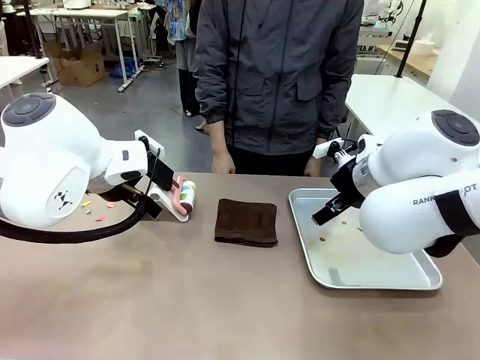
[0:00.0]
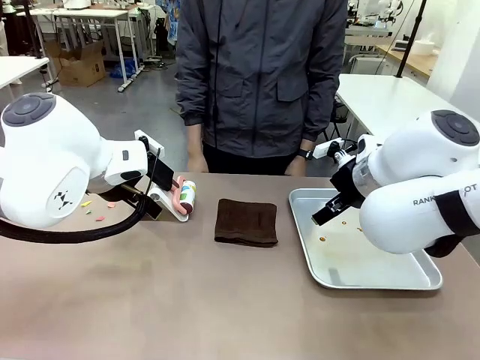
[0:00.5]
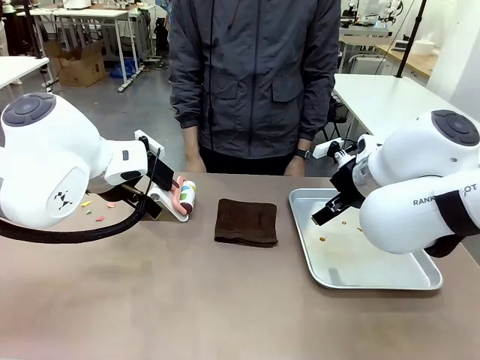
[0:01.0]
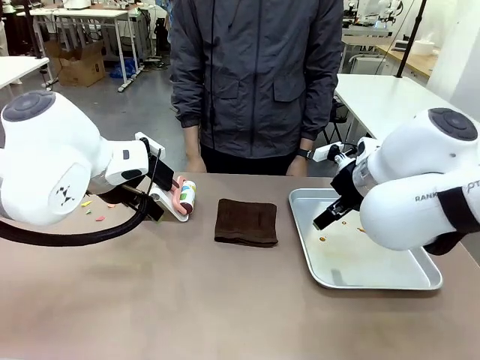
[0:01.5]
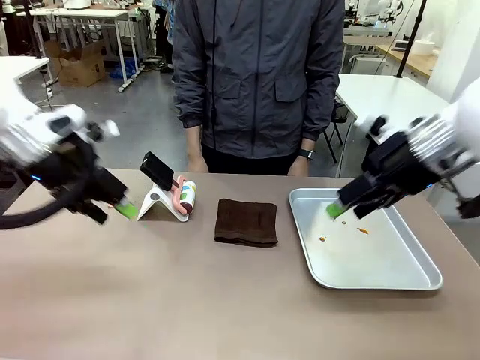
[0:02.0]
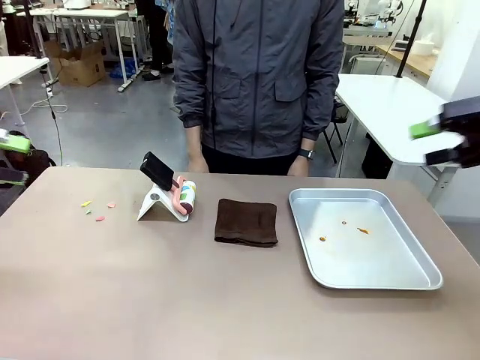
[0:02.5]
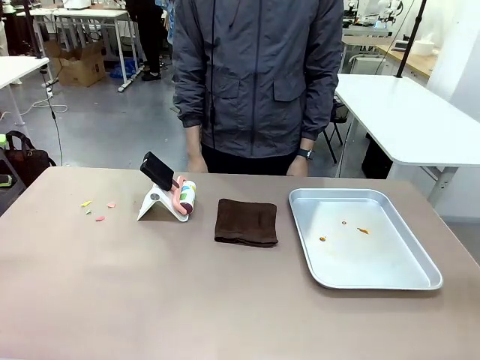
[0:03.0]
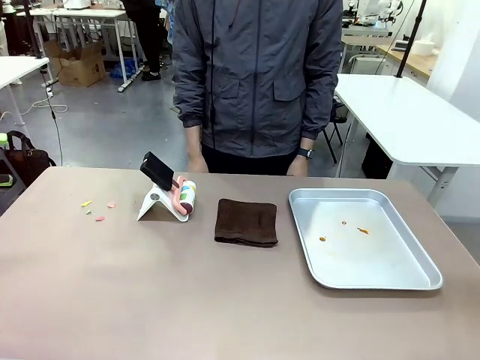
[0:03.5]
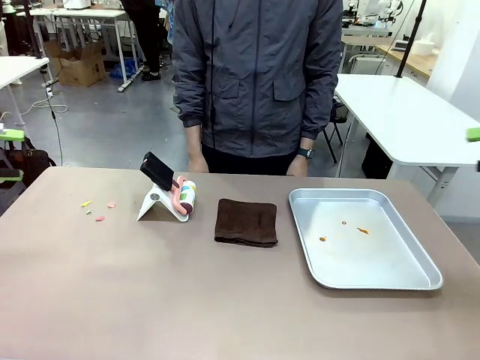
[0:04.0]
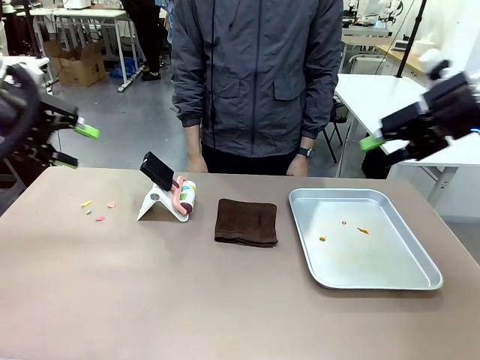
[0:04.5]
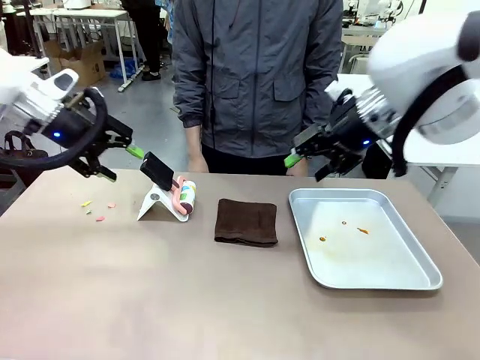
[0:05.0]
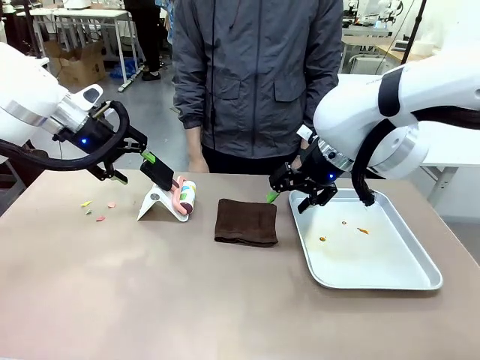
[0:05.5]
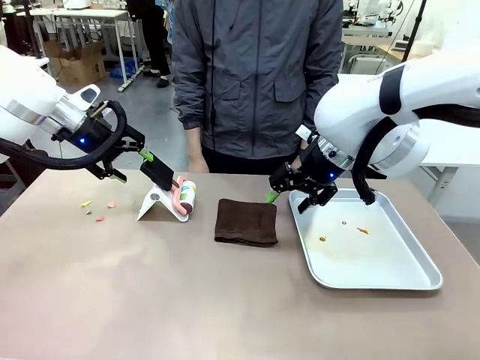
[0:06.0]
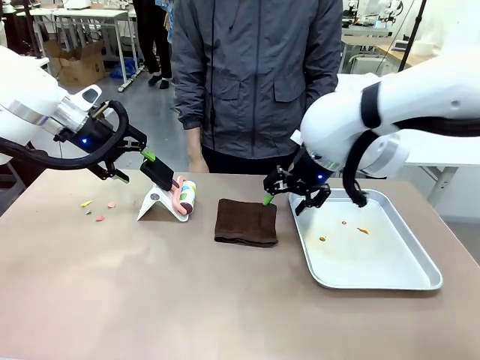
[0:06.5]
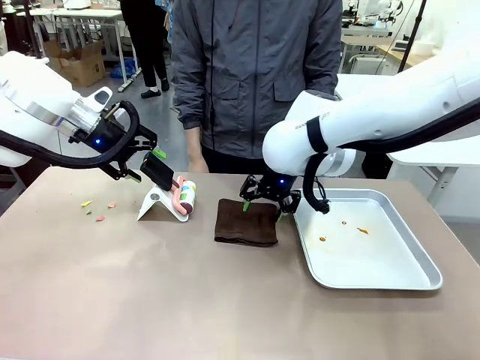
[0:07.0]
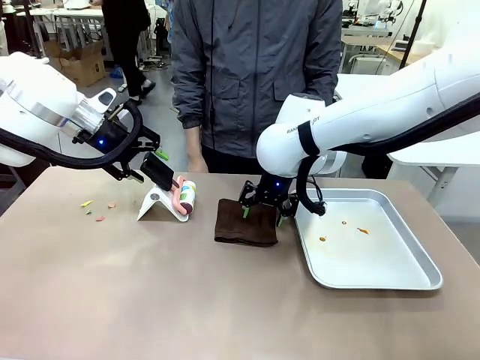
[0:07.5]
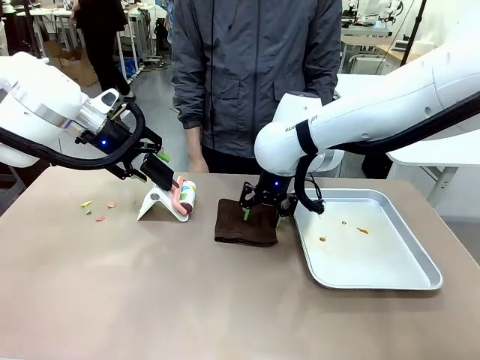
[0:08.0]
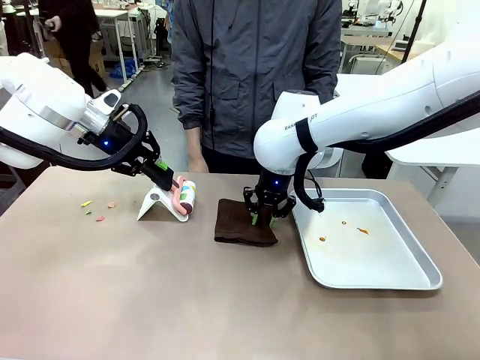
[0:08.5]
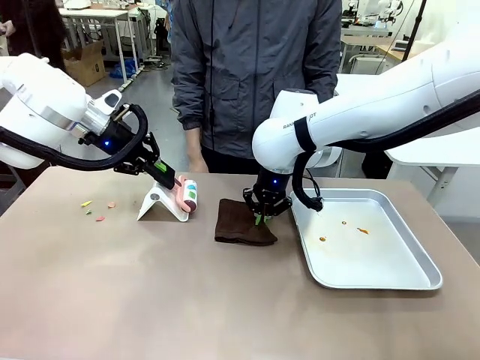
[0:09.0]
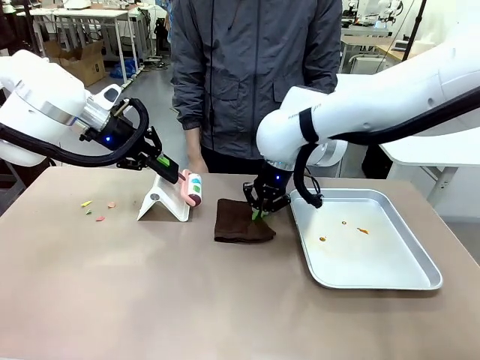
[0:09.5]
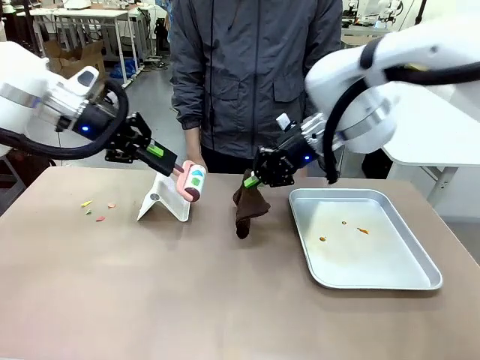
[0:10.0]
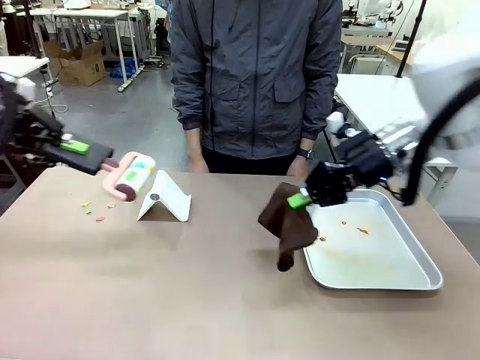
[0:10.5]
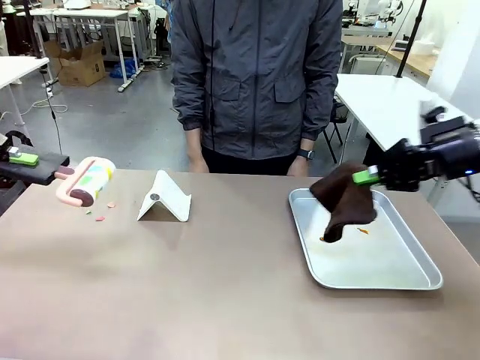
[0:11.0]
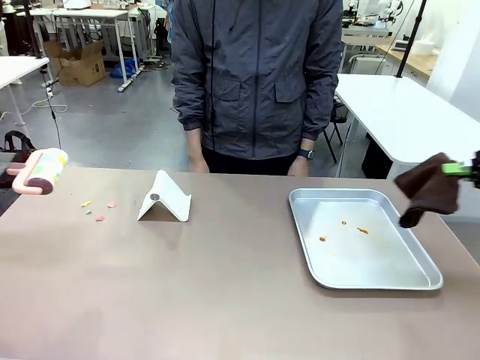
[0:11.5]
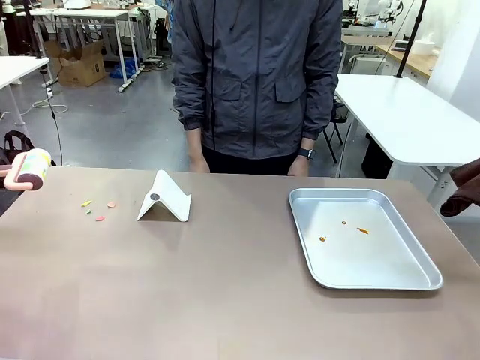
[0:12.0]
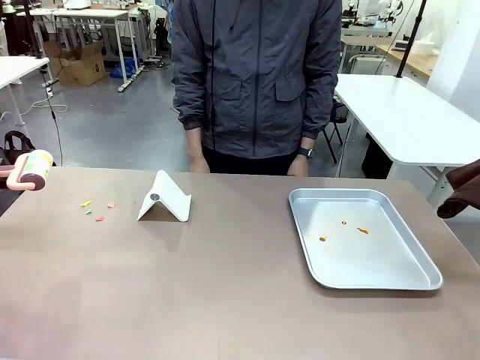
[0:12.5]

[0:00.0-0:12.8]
Task: Clean the surface of the table.
Robot: Hold the Lint Roller with your left hand and the towel with your right hand.

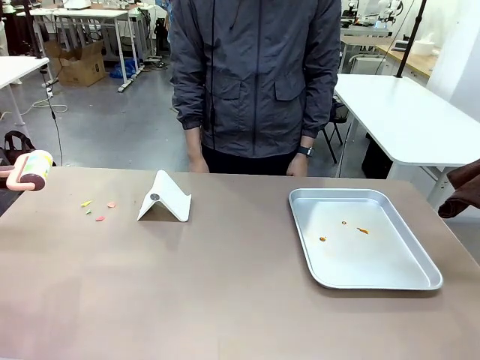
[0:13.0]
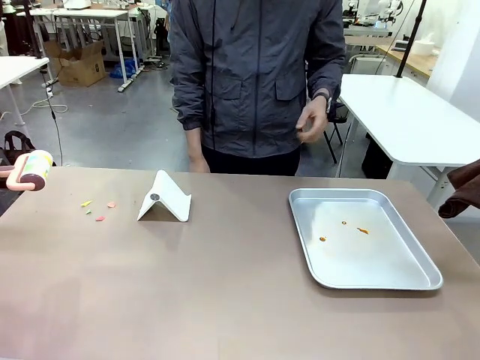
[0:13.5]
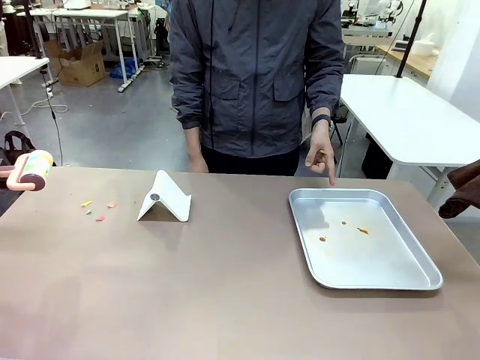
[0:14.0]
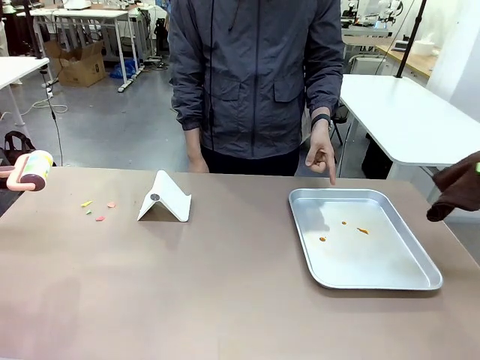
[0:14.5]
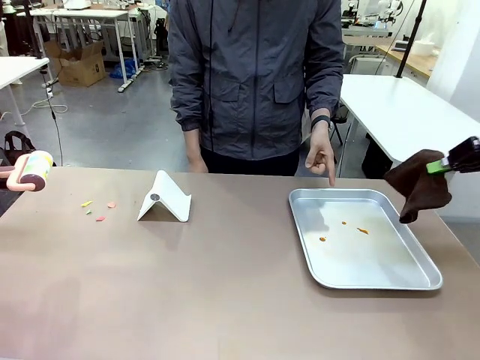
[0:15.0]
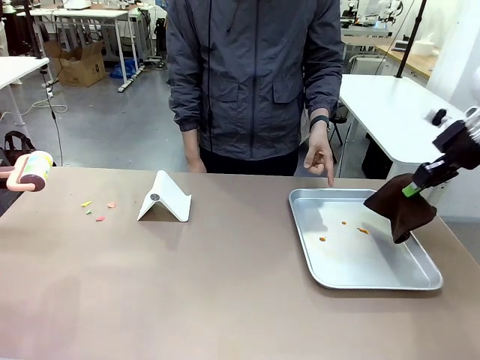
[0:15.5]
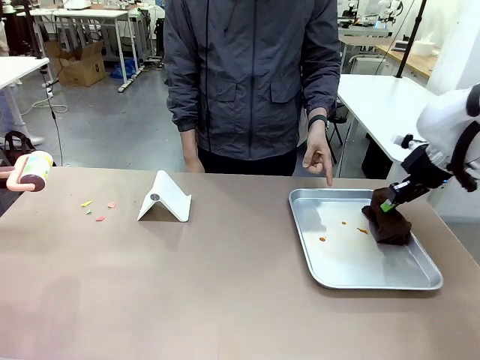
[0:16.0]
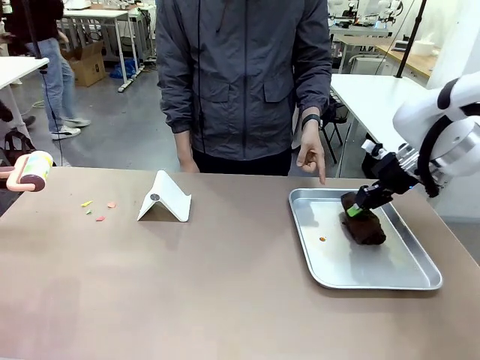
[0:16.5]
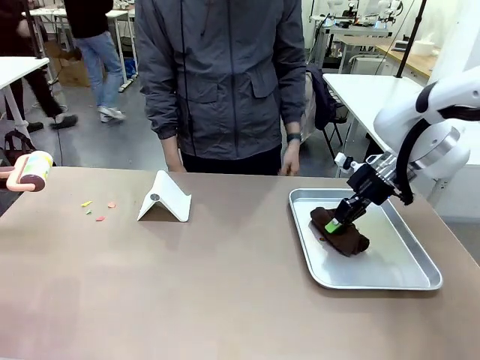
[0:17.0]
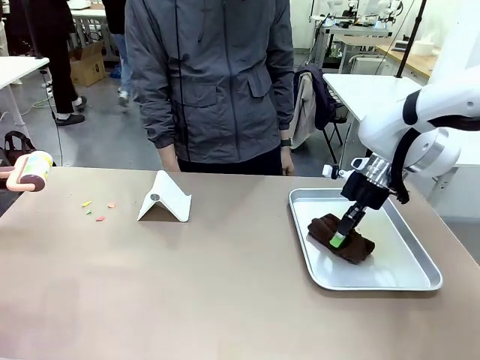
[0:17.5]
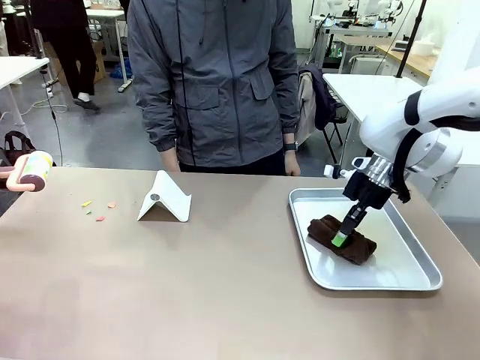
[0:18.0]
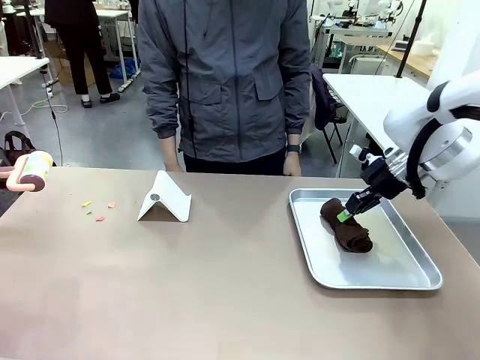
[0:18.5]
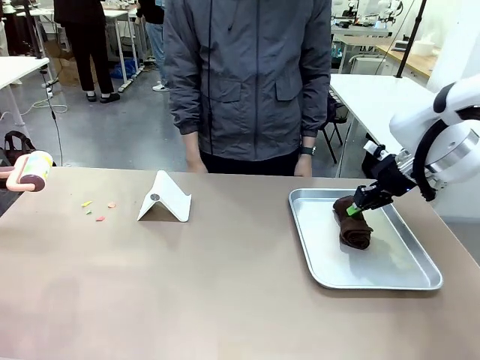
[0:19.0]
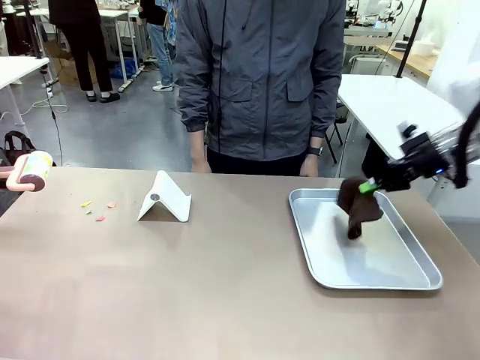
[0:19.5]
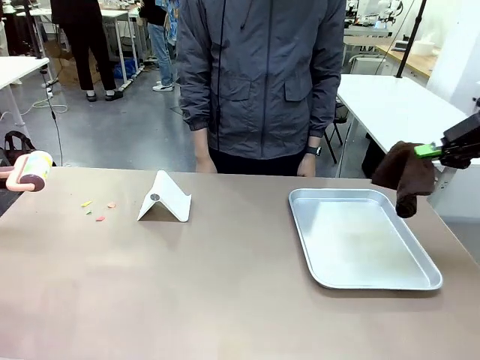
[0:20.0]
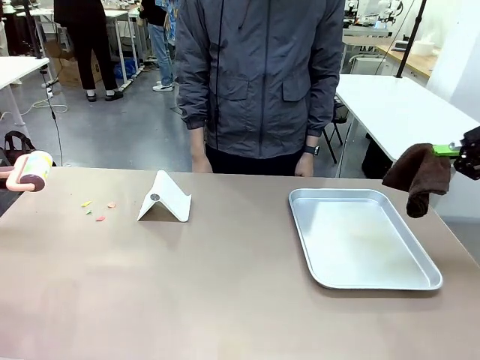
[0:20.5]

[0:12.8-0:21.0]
Robot: If a person points to the right, clean the right side of the table with your right hand, and if they point to the left, clean the left side with your left hand.

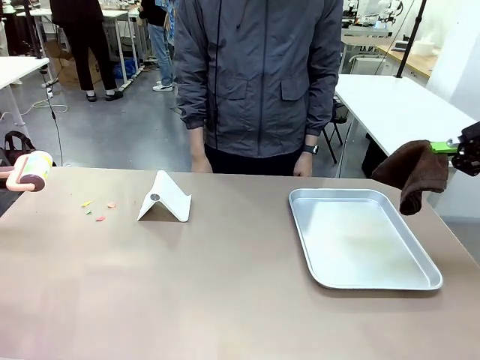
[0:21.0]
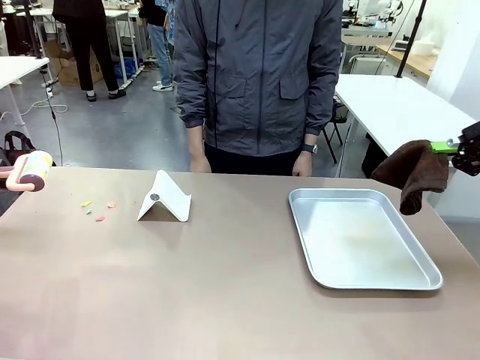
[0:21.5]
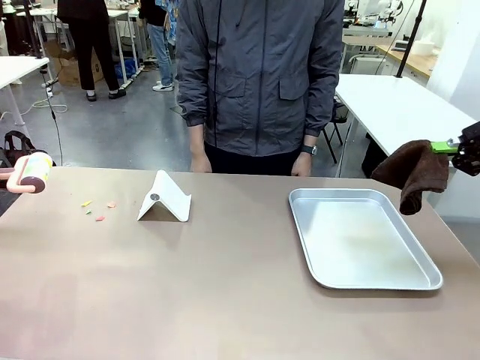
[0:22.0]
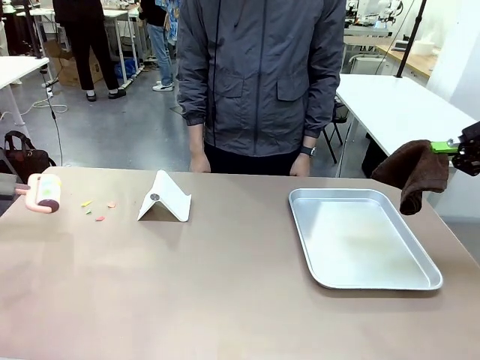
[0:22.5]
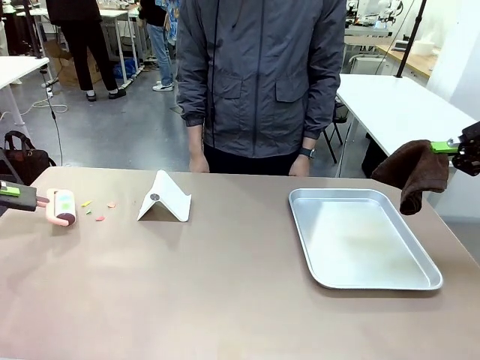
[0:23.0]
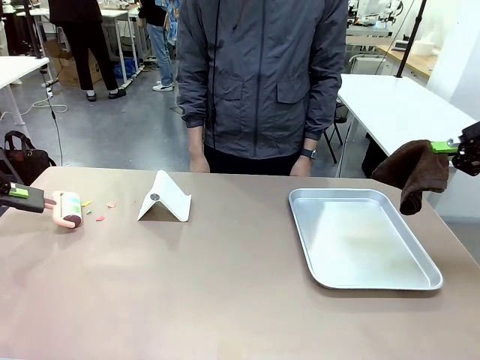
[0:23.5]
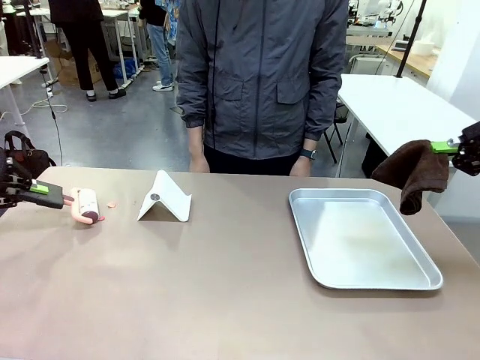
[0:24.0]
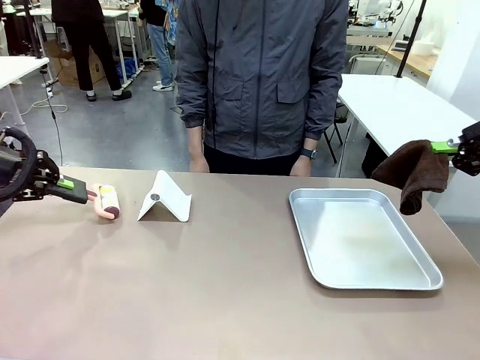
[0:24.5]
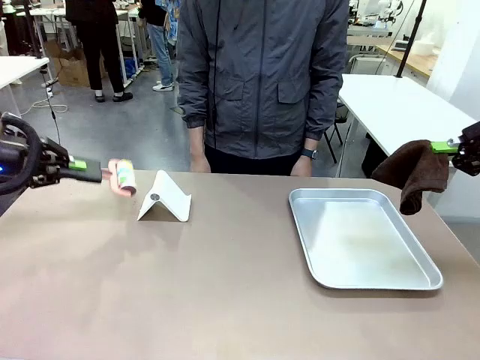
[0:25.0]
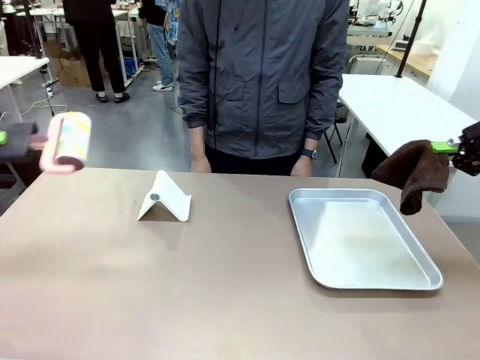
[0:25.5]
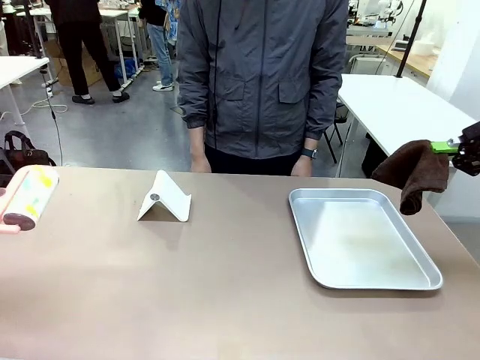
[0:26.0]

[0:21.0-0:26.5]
Robot: Clean the area not pointed to by the person.
